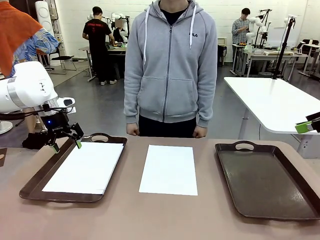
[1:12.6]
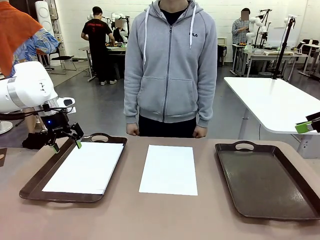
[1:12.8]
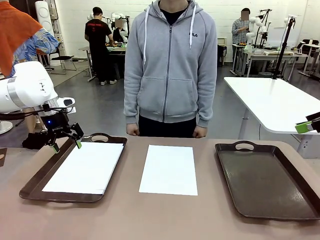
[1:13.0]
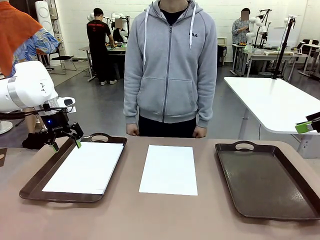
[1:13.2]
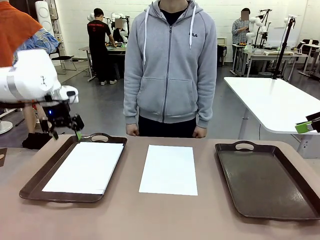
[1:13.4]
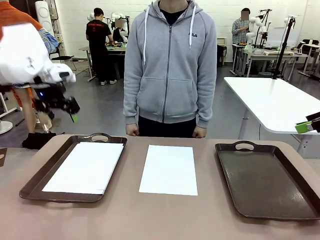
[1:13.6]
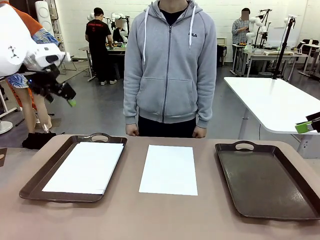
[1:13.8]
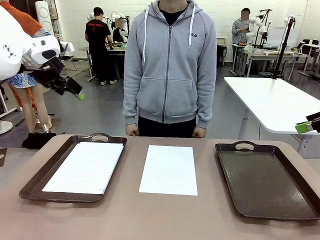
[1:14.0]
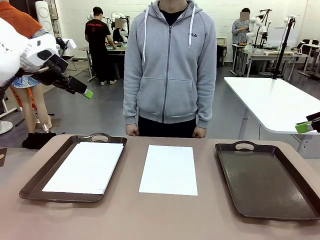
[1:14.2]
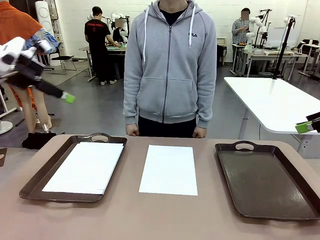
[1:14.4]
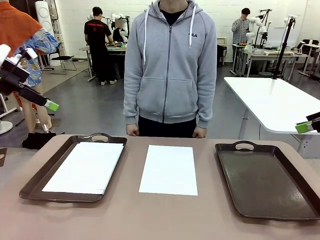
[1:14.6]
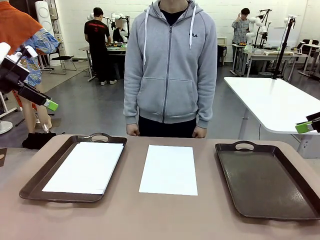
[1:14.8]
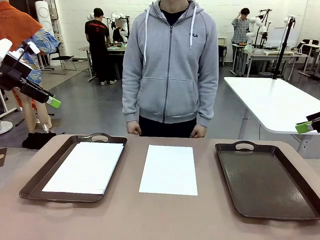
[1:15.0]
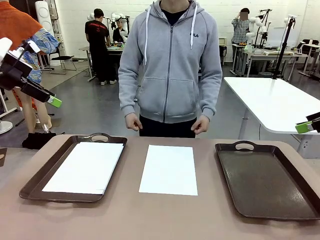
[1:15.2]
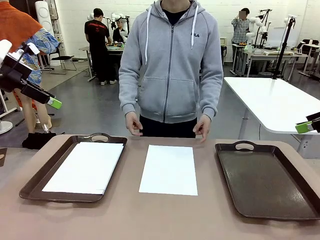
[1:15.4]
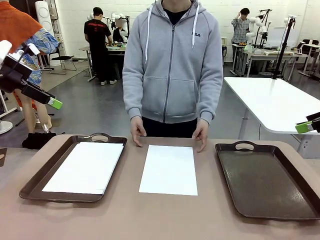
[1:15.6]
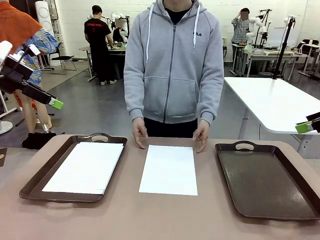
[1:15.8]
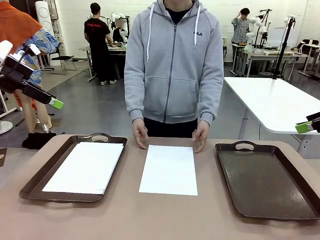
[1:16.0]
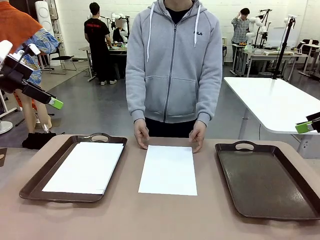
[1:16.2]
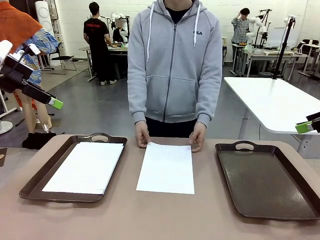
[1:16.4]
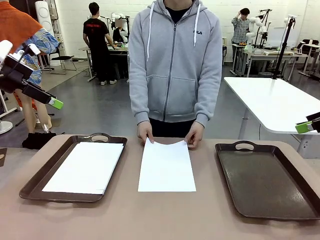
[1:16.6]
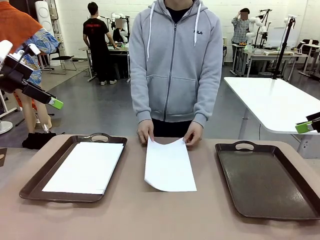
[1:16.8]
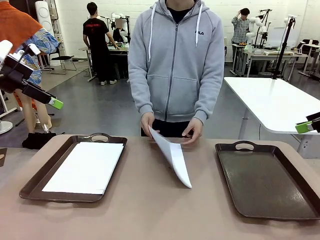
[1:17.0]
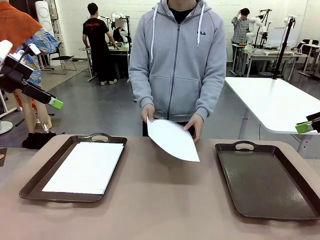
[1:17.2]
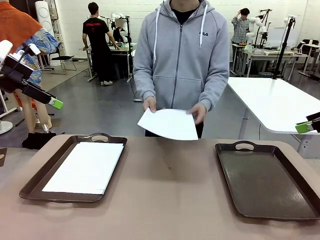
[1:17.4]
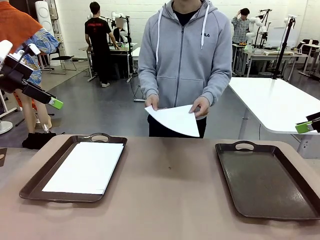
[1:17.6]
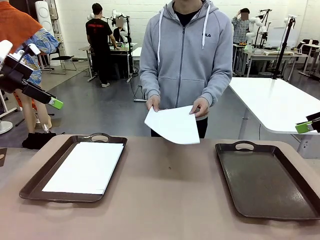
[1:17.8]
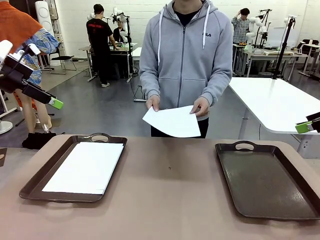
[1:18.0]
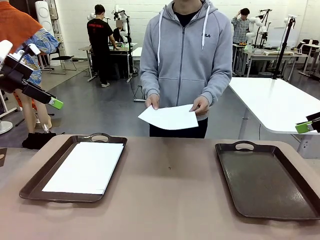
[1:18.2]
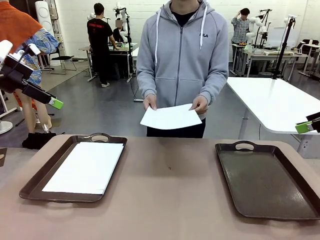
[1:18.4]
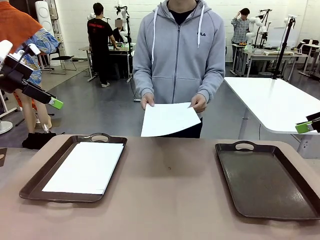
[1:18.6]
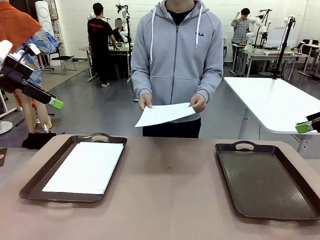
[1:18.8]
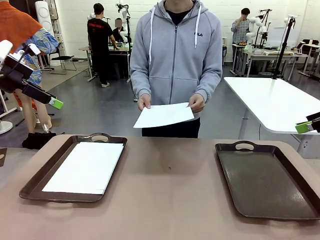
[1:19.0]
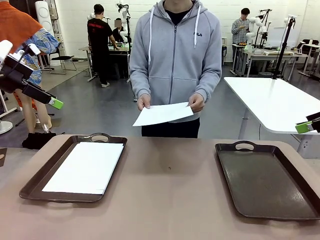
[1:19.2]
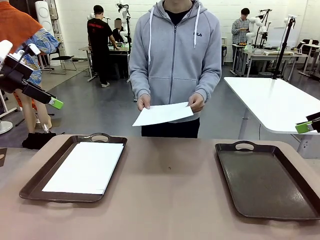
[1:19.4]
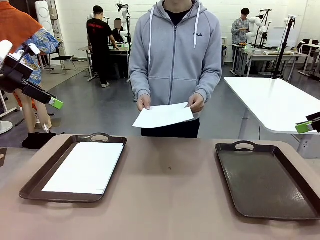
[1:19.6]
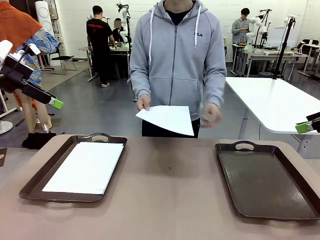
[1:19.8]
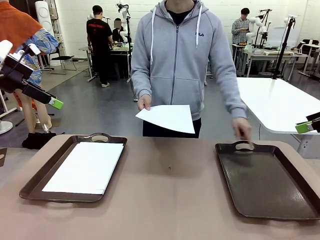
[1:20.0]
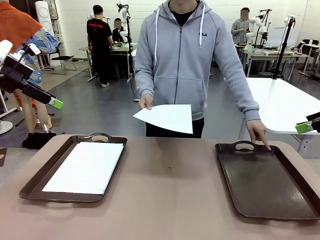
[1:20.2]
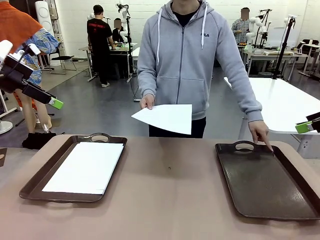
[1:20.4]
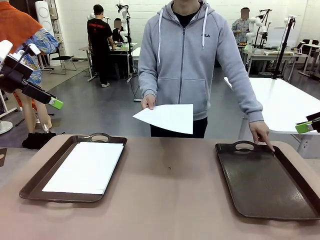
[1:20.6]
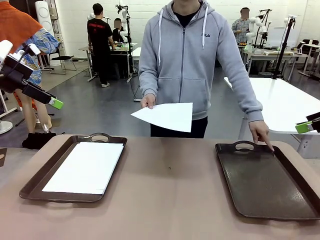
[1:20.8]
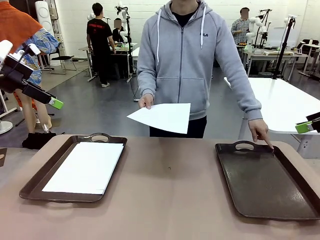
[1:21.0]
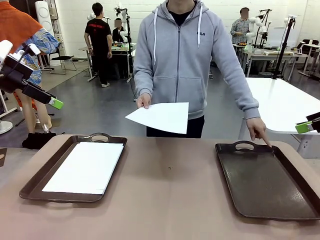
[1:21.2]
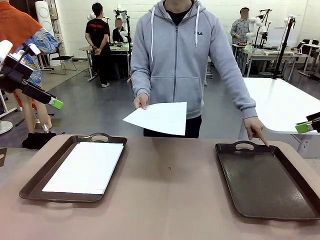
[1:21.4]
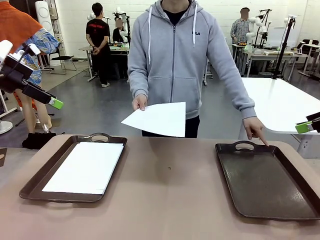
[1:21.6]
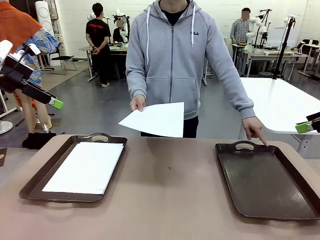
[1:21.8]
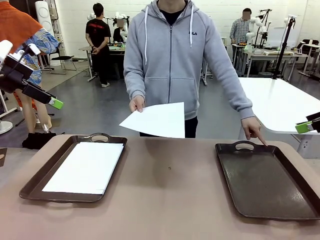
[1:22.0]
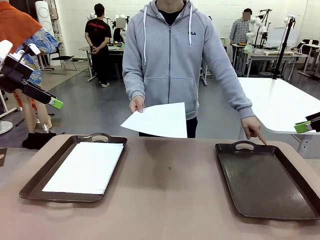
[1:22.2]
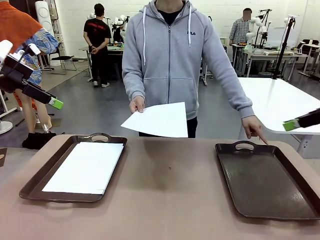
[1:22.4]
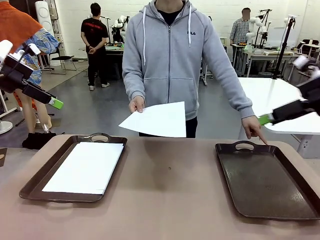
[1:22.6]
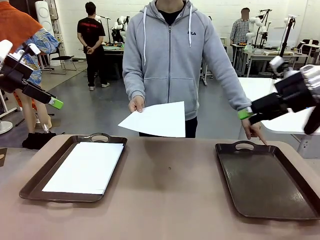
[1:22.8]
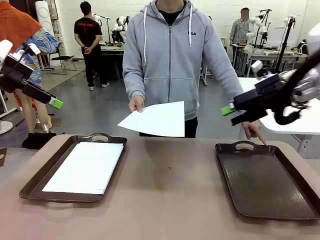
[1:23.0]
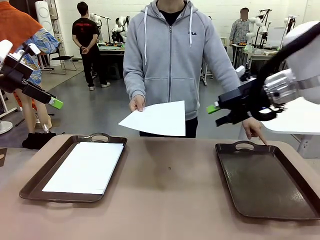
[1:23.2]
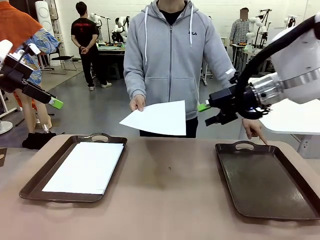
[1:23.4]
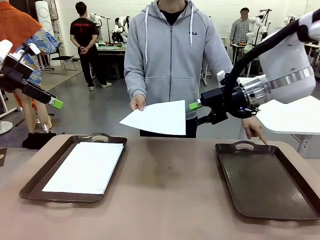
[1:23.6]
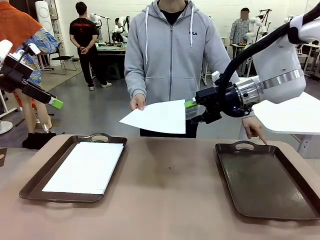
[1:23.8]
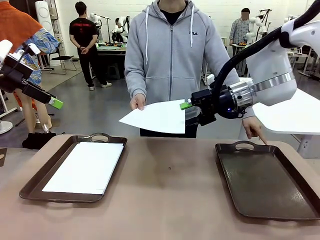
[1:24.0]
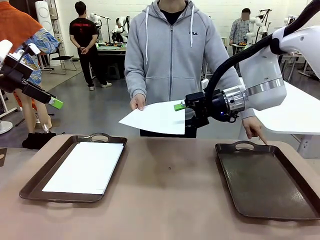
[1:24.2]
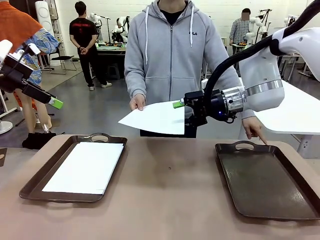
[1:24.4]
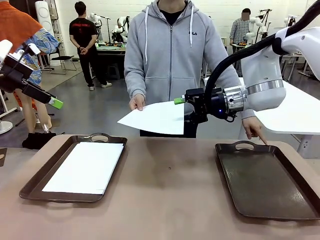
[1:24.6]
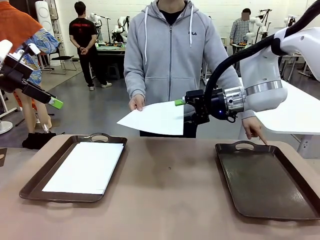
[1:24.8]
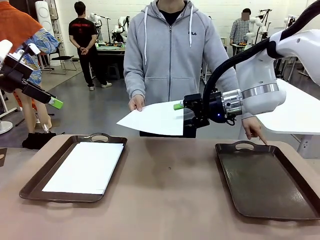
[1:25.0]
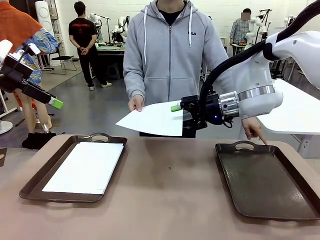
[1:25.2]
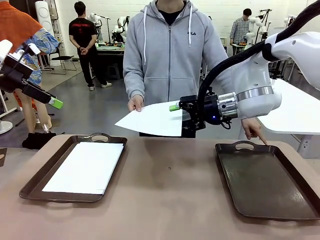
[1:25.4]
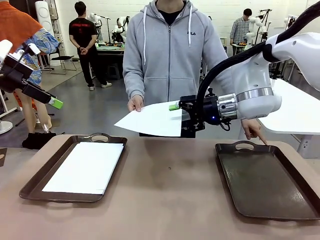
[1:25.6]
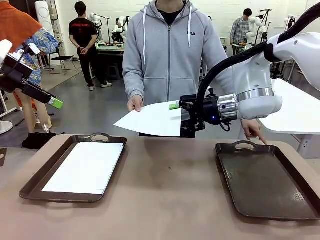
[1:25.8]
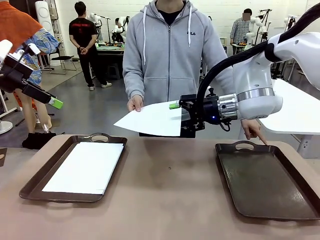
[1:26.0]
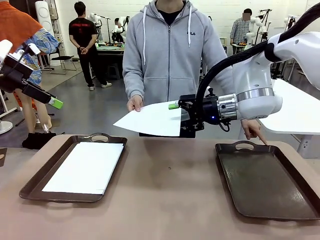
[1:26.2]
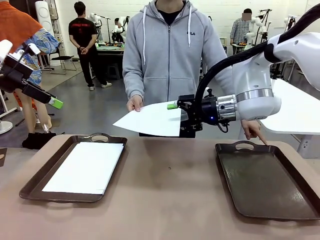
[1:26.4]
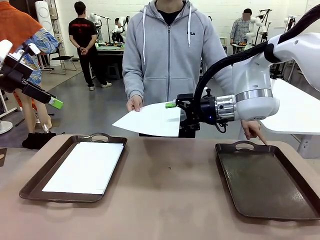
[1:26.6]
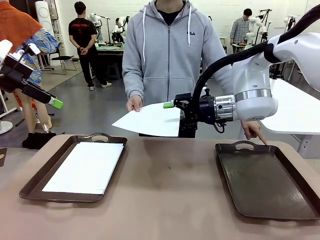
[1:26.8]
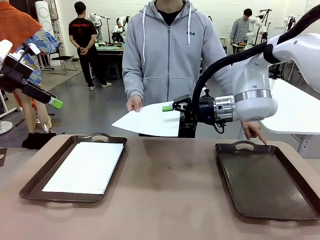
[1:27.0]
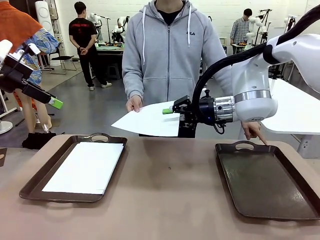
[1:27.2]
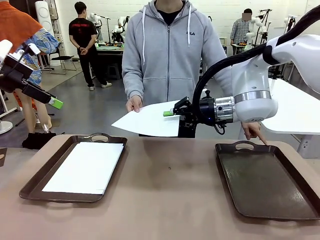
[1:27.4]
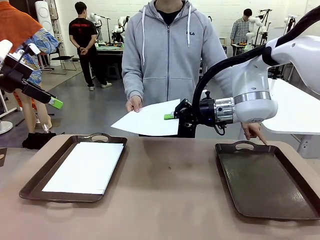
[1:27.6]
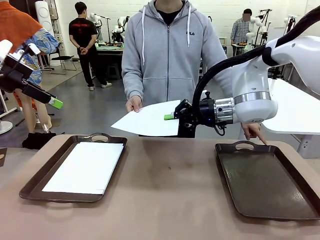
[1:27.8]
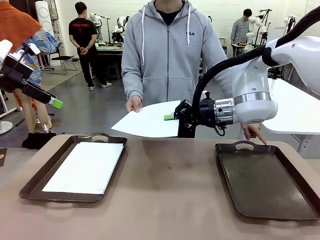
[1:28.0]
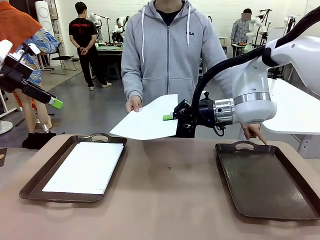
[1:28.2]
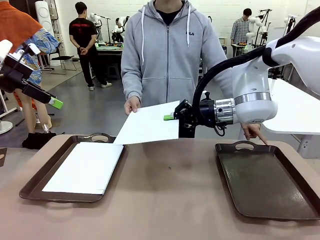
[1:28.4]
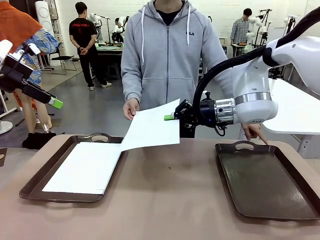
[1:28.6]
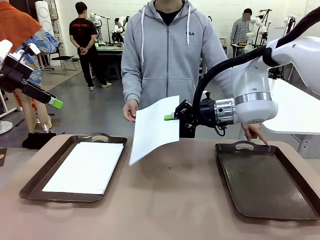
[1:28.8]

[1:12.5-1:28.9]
Task: Sort the A4 documents.
Robot: Receive the A4 Paper.
Person: Point the randomly selected tray with the other hand.

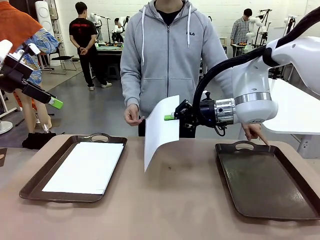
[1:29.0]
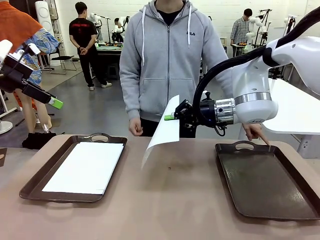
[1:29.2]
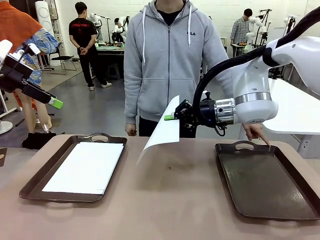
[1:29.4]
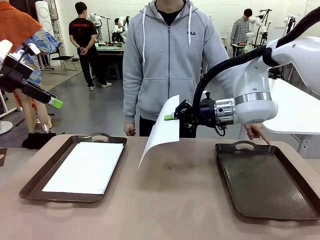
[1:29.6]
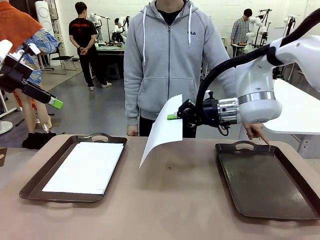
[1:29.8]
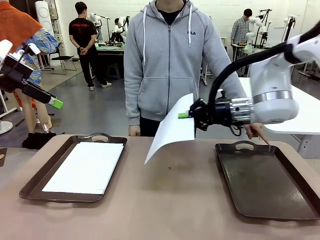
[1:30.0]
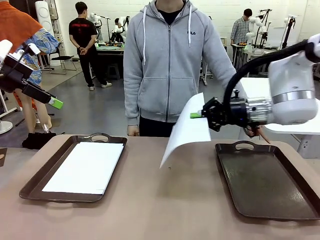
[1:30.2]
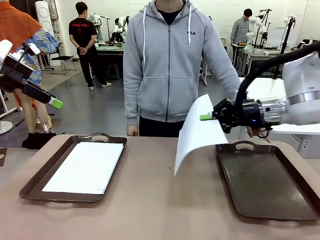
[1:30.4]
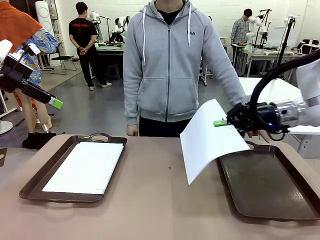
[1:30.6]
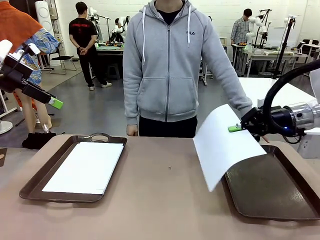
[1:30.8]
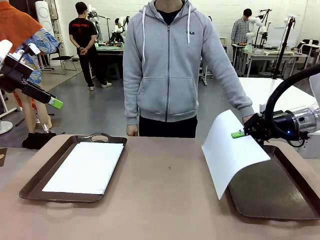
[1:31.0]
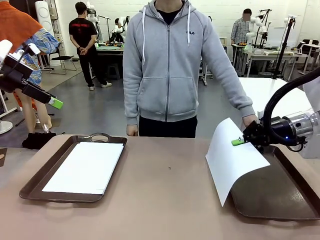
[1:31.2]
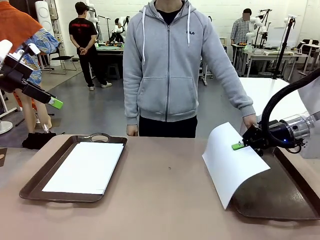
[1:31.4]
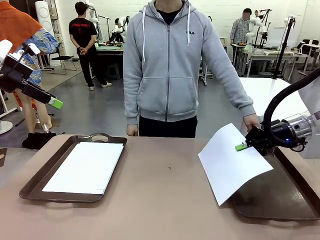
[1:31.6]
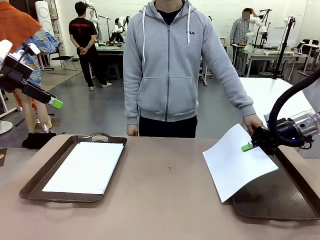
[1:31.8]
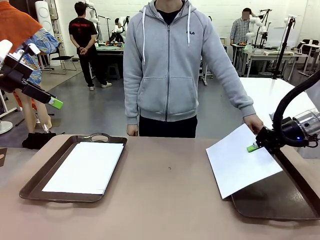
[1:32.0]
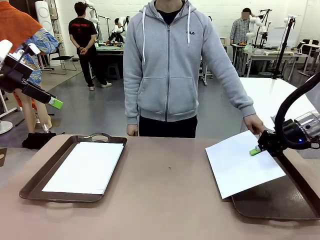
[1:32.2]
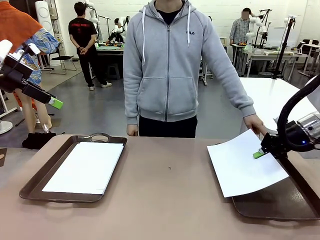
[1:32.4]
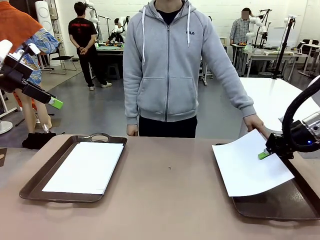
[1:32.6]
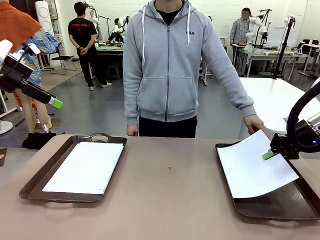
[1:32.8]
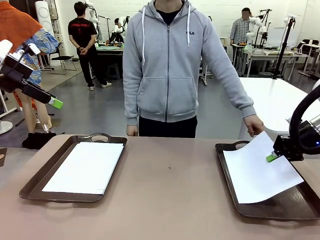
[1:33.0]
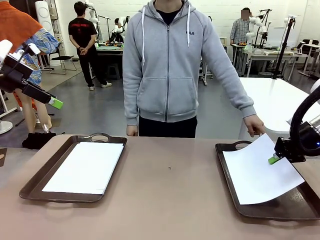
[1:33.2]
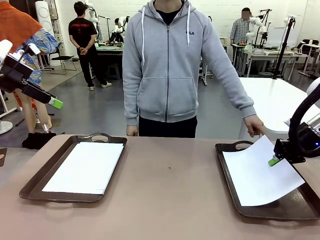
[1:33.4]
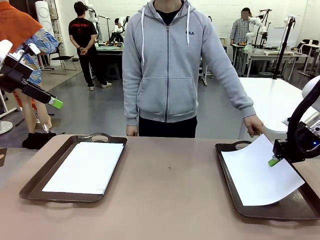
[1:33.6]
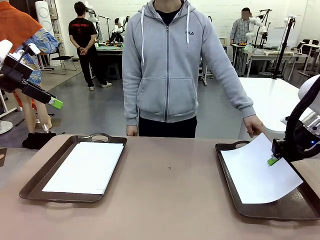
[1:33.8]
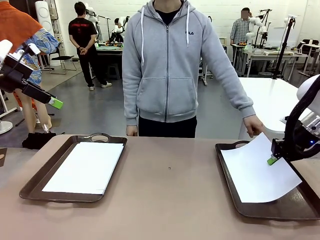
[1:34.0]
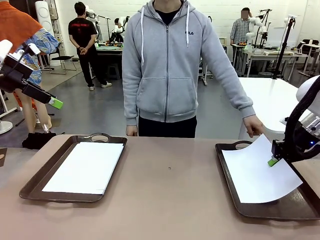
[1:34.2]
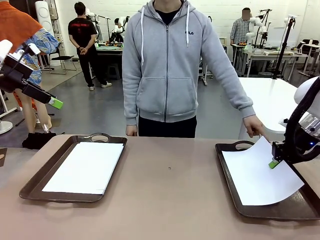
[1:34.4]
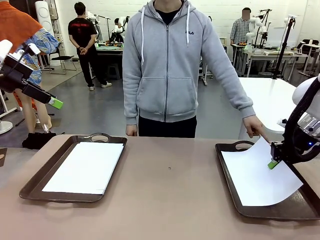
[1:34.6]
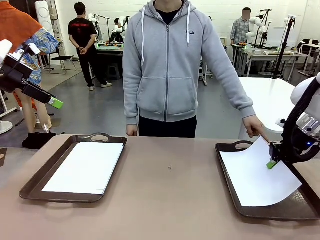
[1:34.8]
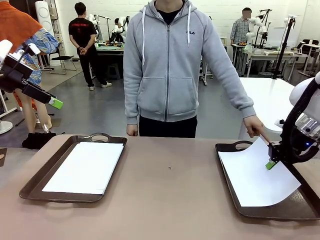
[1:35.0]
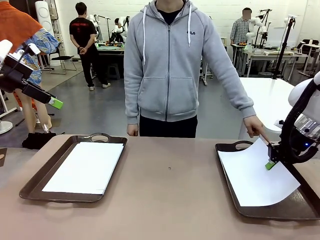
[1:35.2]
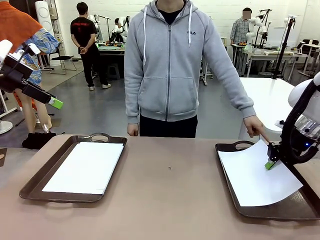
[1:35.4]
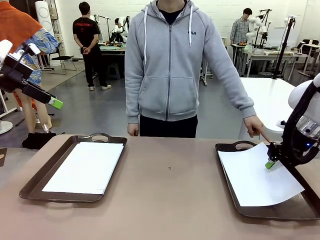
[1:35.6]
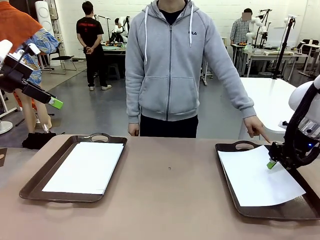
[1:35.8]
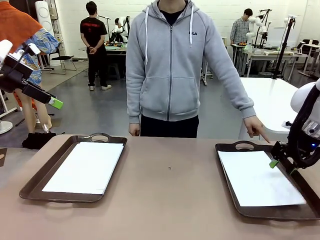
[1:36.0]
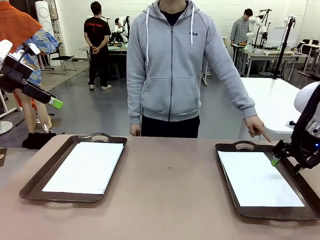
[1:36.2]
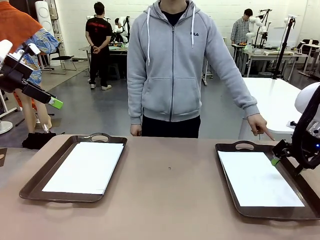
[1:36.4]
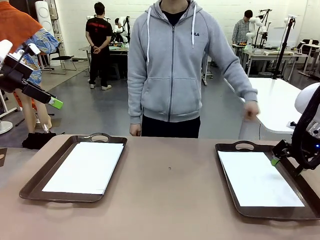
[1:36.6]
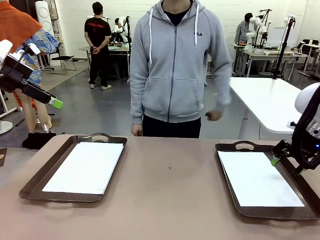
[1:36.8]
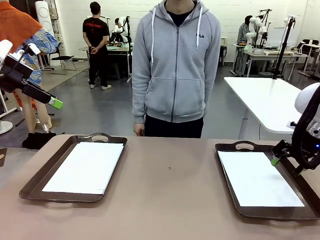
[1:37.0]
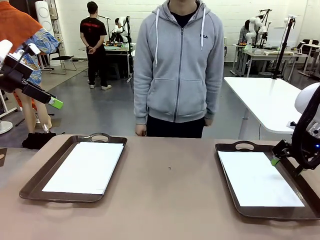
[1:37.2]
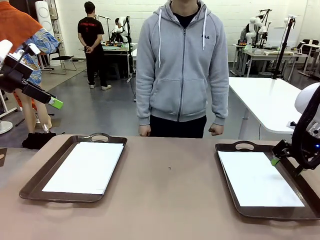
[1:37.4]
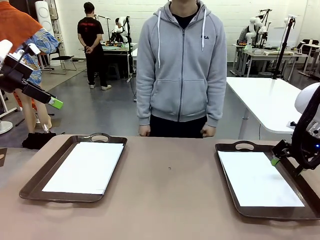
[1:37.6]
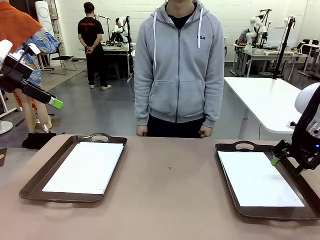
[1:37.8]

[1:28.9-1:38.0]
Robot: Place the A4 Paper in the designated Handle tray.
